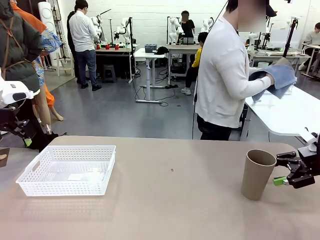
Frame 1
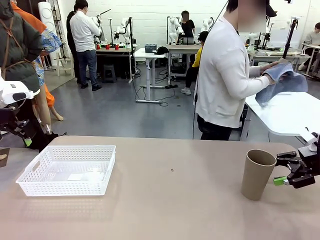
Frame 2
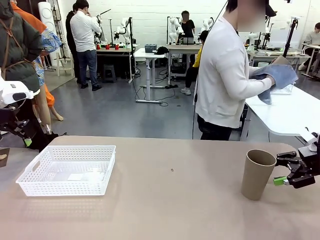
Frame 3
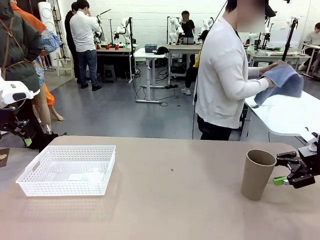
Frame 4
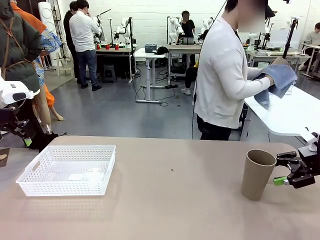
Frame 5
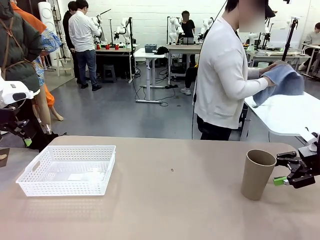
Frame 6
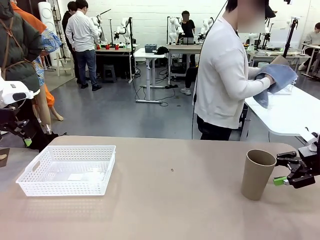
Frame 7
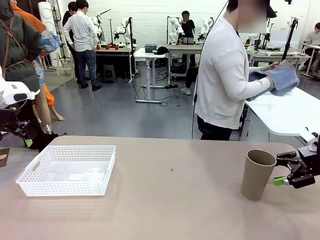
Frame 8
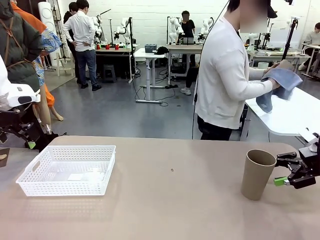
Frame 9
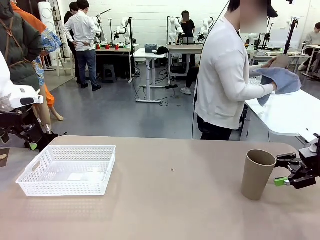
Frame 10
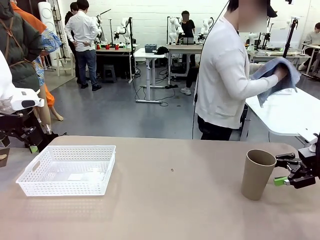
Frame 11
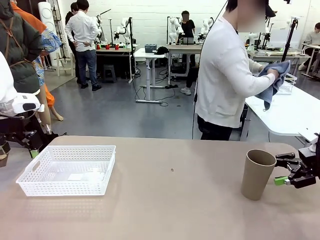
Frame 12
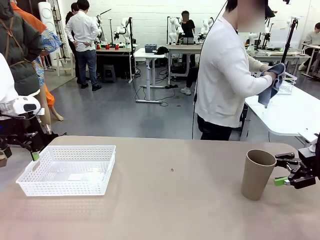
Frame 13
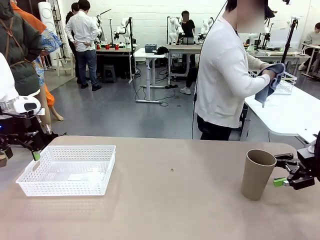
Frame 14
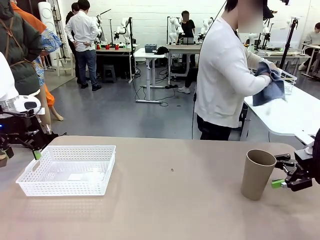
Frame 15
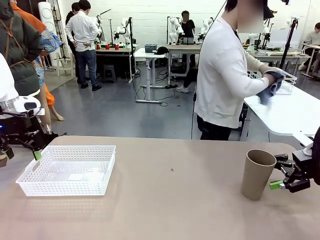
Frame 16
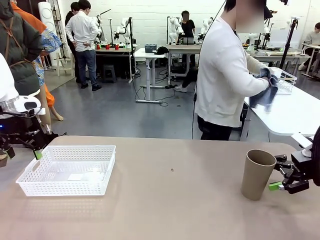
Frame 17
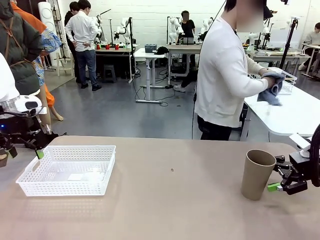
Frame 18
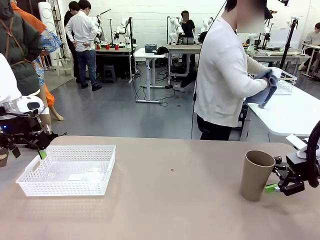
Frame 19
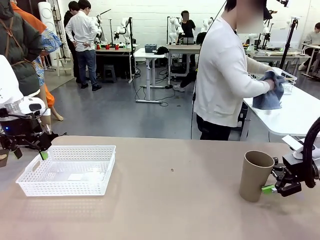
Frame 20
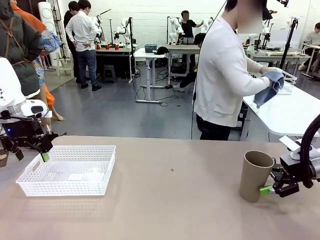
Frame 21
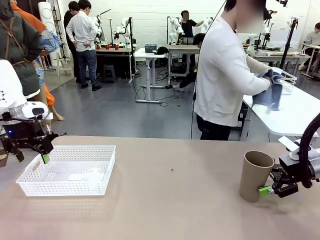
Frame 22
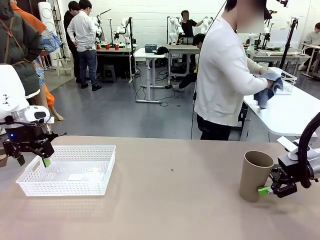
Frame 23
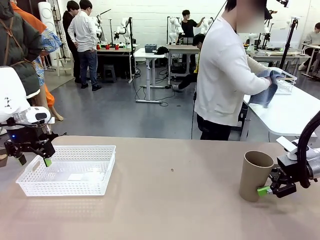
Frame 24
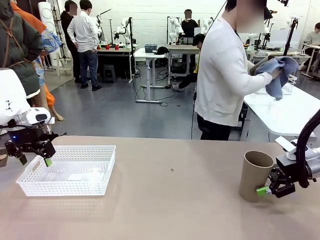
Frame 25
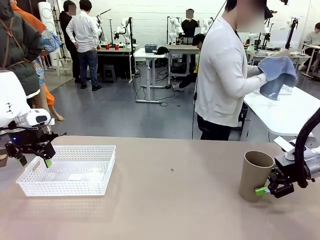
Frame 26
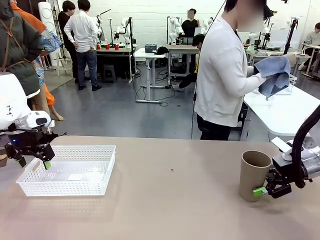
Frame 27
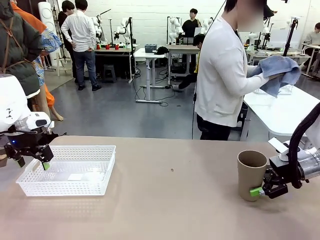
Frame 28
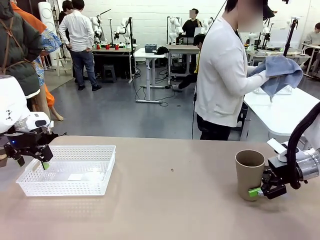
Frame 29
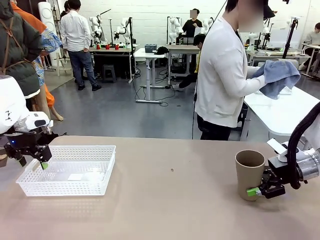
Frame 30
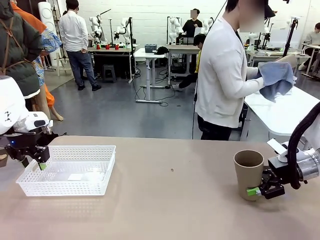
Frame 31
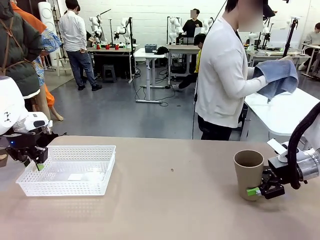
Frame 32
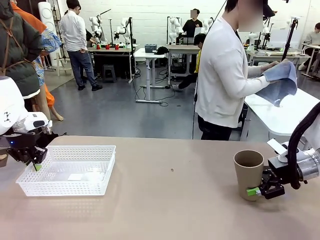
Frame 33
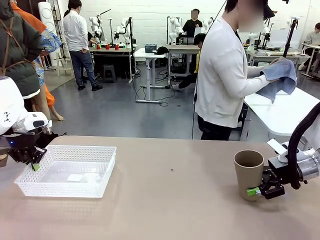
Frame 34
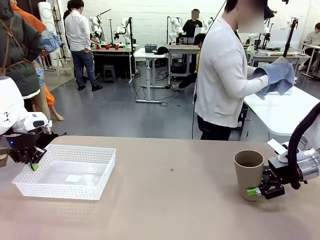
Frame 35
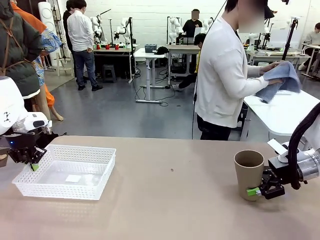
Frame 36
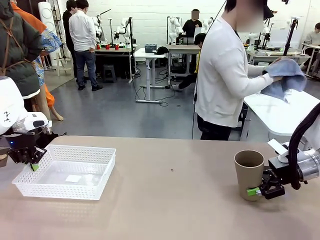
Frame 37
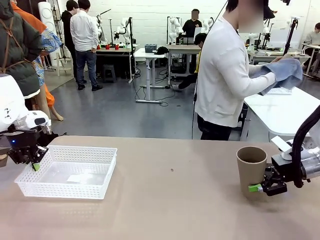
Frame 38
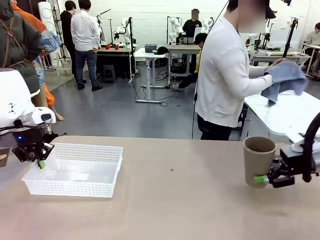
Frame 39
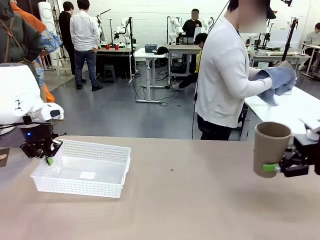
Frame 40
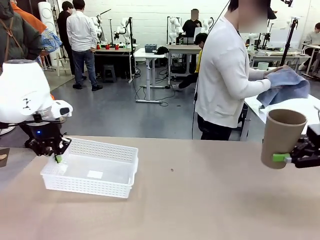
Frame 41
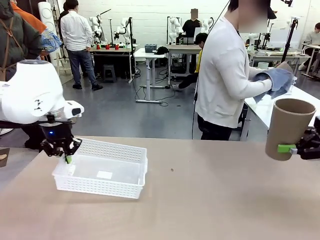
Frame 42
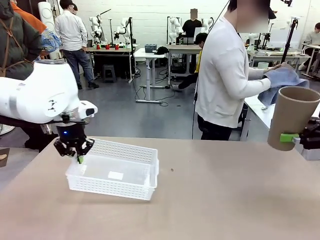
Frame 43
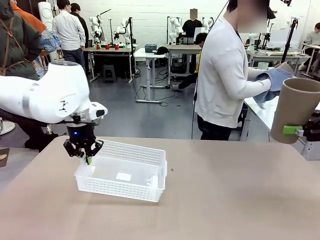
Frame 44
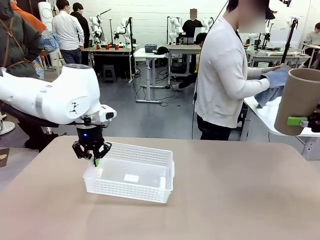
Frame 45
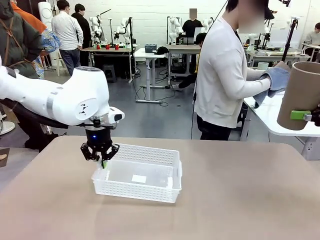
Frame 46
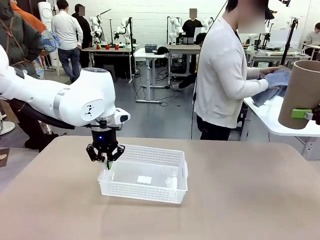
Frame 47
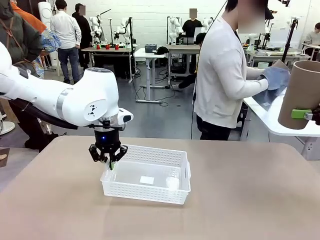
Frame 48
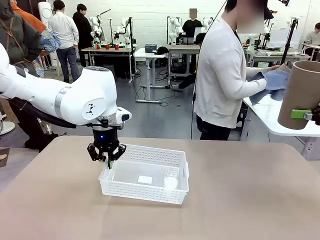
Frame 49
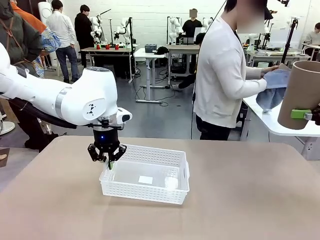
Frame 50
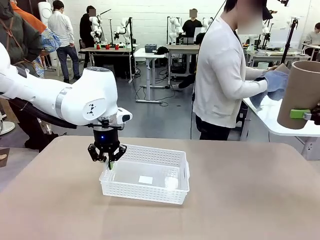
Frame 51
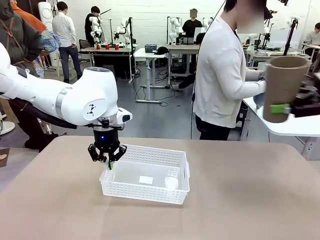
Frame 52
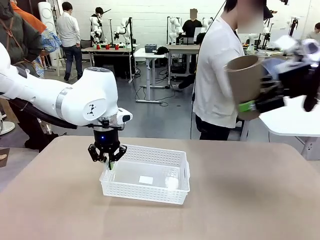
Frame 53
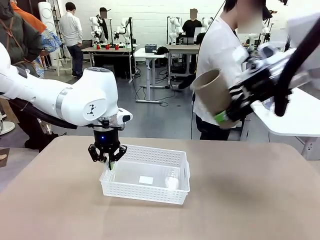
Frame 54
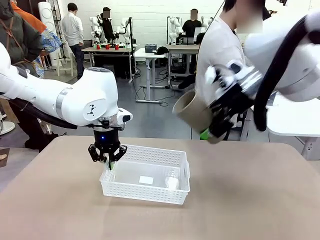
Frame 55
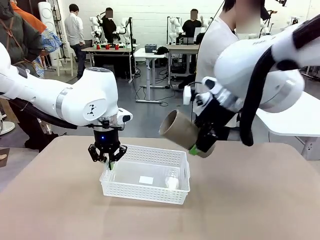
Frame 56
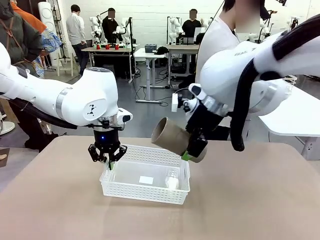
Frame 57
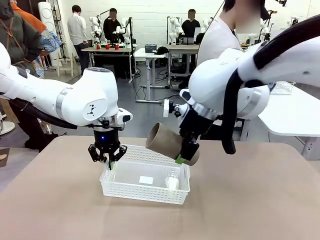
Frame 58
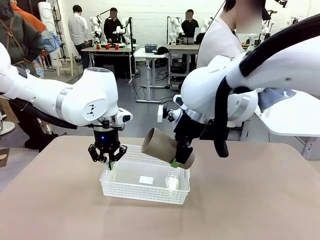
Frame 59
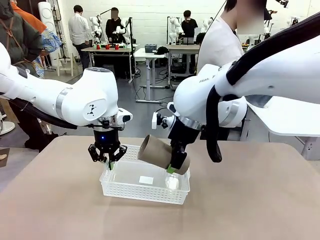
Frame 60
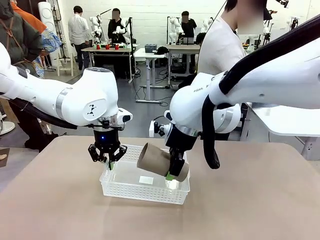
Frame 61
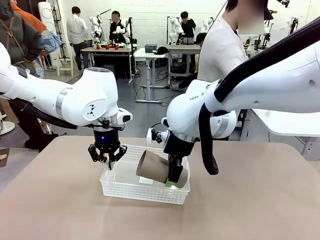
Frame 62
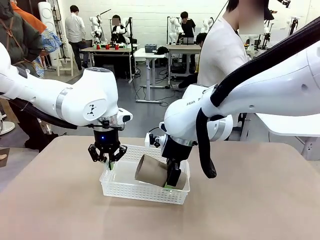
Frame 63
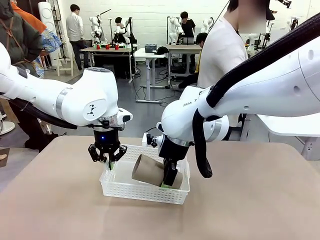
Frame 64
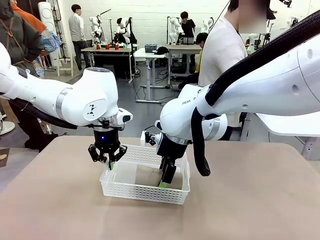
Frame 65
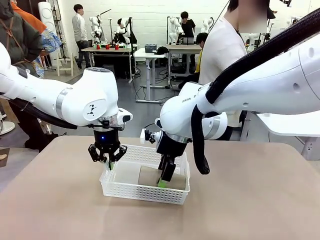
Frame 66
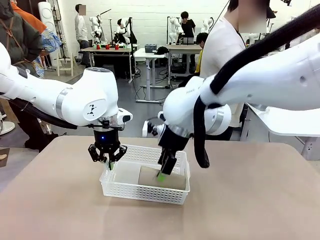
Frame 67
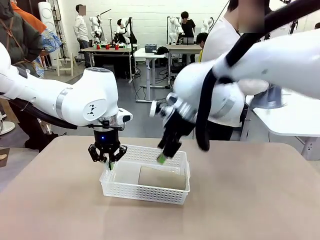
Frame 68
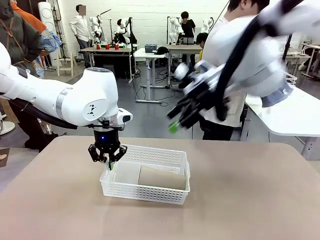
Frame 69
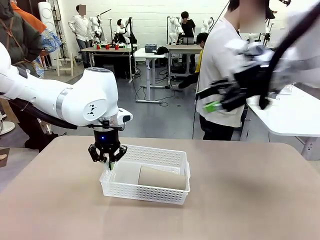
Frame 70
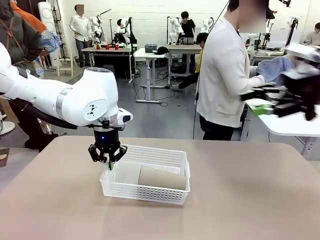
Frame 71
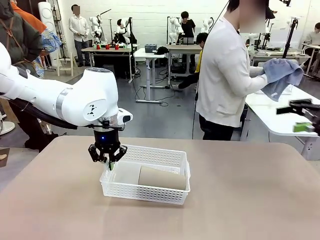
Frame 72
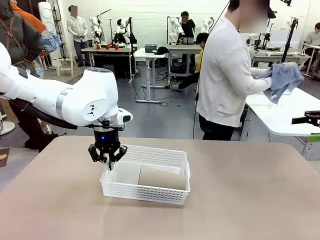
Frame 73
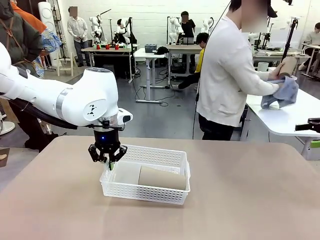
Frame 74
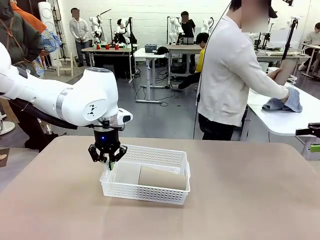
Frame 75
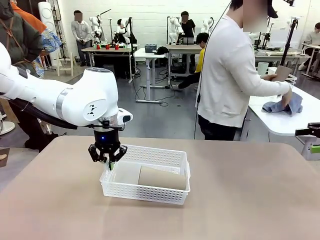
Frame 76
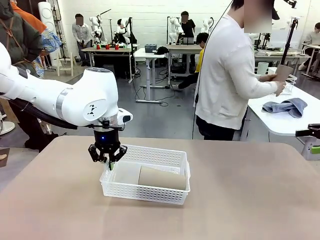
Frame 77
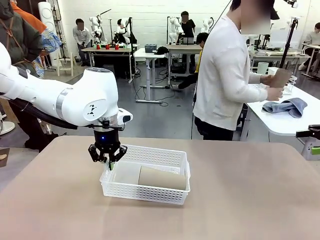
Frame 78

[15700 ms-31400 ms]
Task: Clean and organize the cups into the basket.
Robot: Pick up the Organizing basket and move it to the center of the table, then pick up the Reusable plastic cup from the right side of the table and place it inside the Organizing basket.
